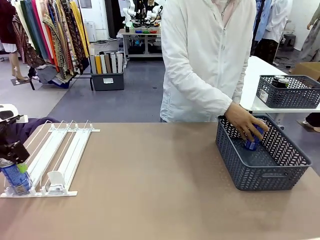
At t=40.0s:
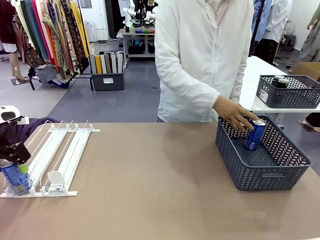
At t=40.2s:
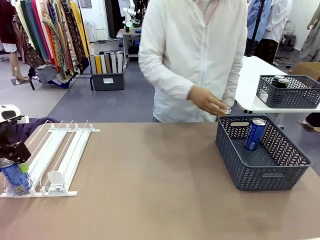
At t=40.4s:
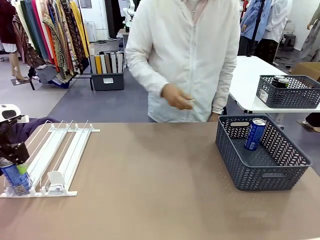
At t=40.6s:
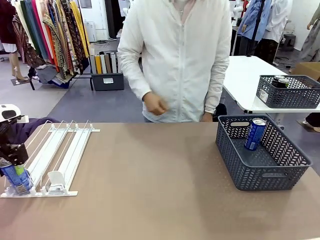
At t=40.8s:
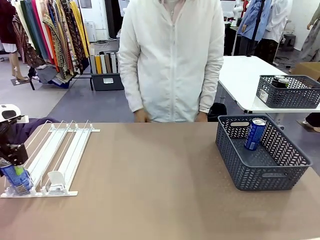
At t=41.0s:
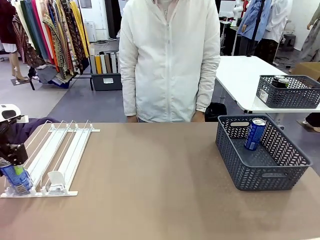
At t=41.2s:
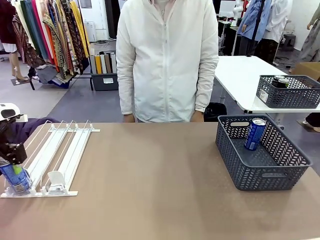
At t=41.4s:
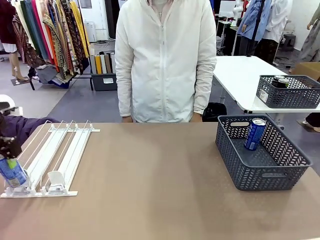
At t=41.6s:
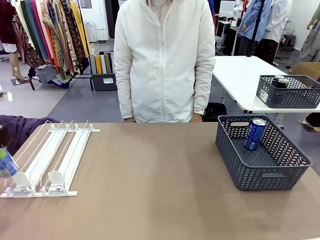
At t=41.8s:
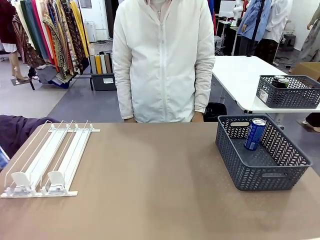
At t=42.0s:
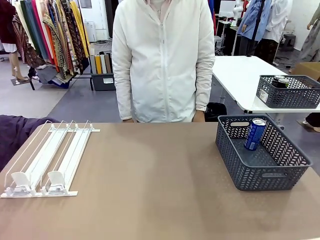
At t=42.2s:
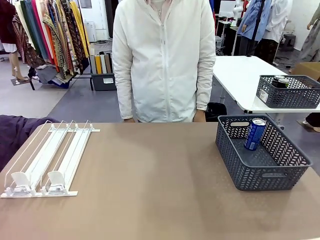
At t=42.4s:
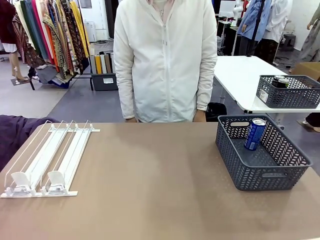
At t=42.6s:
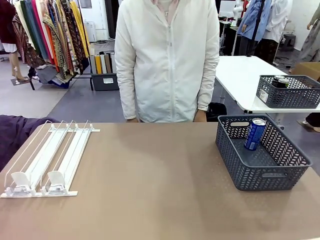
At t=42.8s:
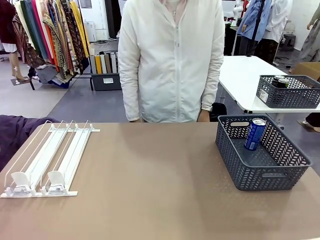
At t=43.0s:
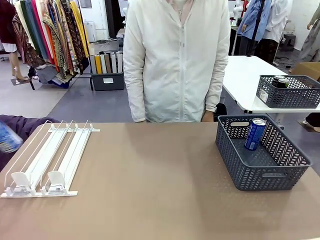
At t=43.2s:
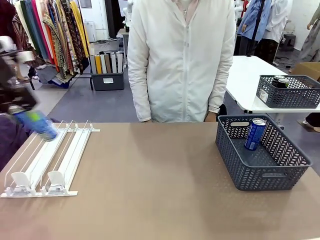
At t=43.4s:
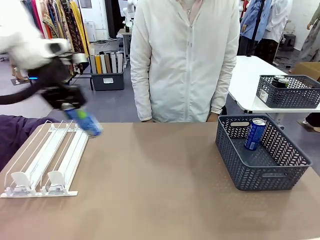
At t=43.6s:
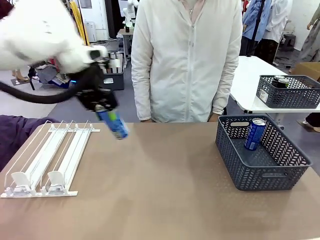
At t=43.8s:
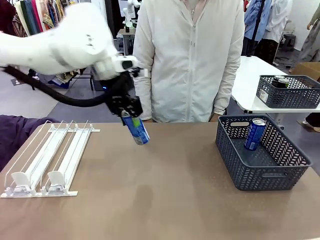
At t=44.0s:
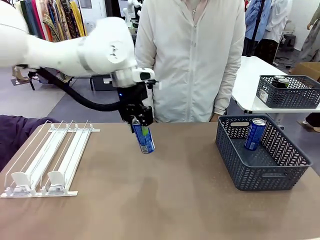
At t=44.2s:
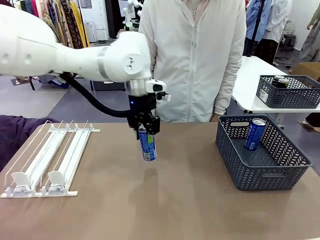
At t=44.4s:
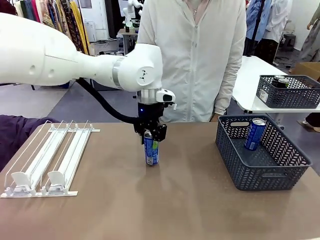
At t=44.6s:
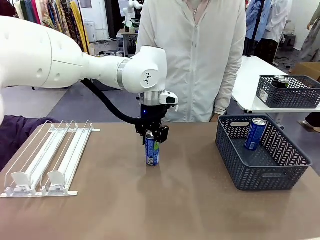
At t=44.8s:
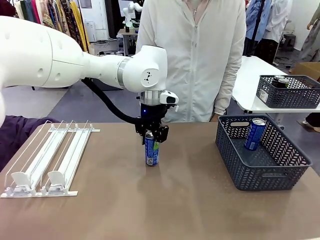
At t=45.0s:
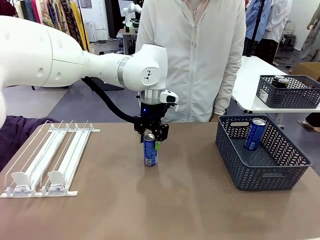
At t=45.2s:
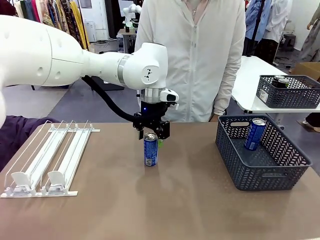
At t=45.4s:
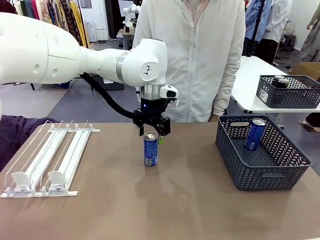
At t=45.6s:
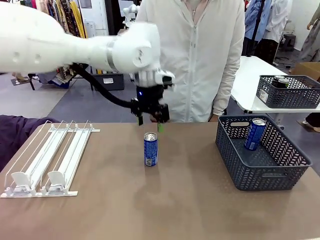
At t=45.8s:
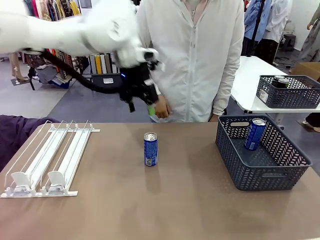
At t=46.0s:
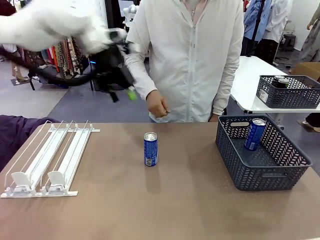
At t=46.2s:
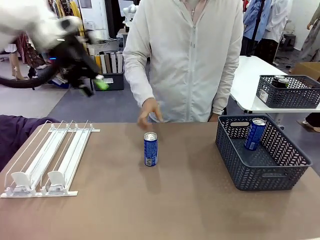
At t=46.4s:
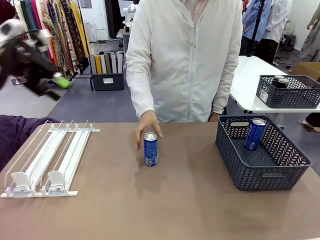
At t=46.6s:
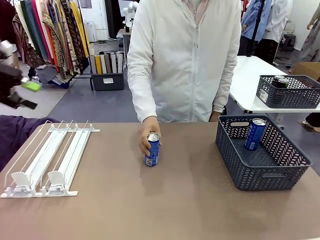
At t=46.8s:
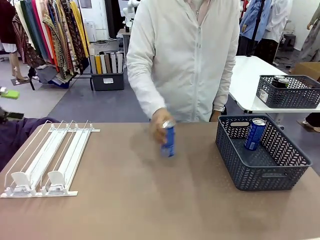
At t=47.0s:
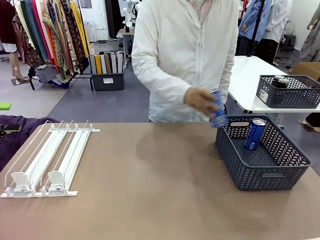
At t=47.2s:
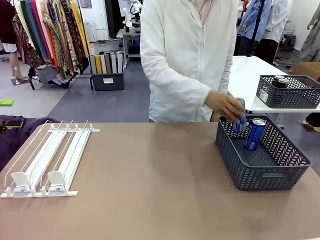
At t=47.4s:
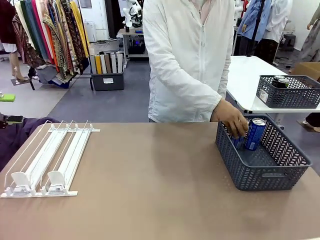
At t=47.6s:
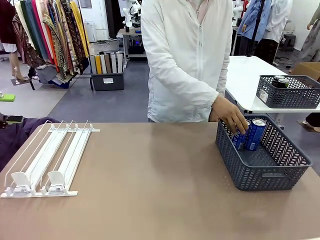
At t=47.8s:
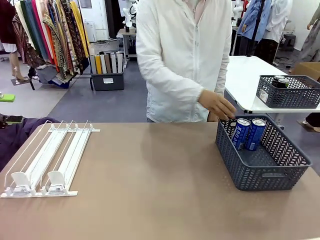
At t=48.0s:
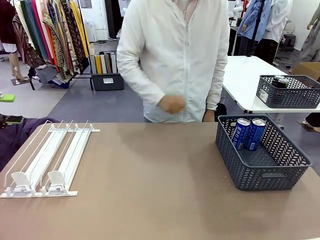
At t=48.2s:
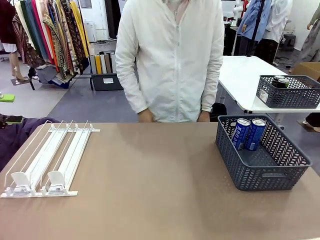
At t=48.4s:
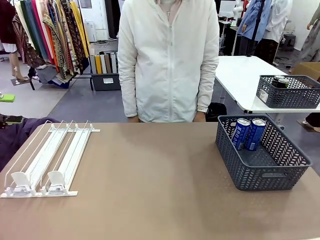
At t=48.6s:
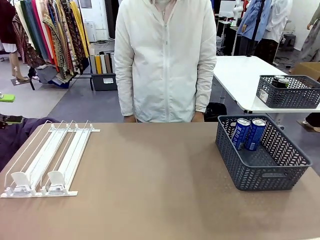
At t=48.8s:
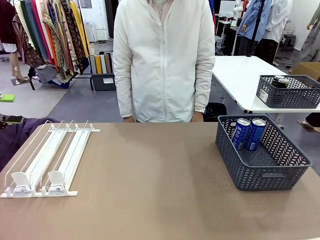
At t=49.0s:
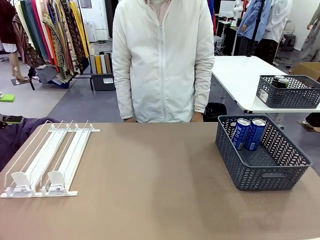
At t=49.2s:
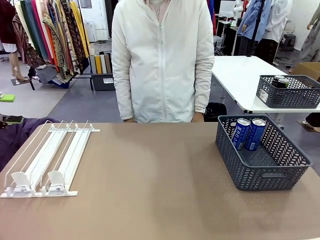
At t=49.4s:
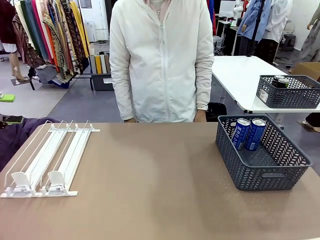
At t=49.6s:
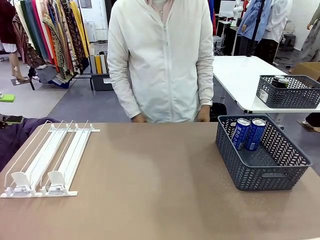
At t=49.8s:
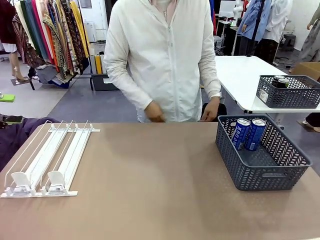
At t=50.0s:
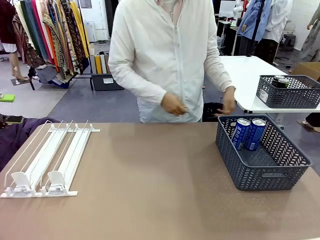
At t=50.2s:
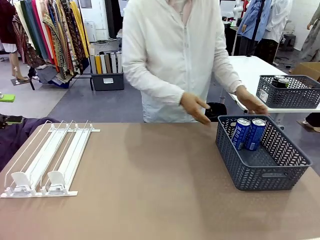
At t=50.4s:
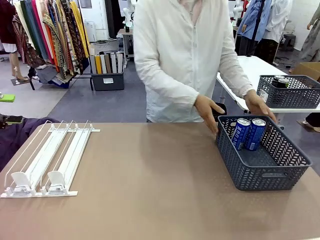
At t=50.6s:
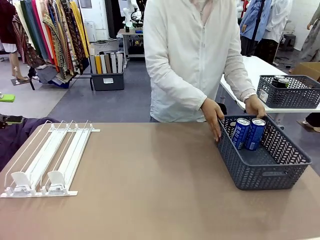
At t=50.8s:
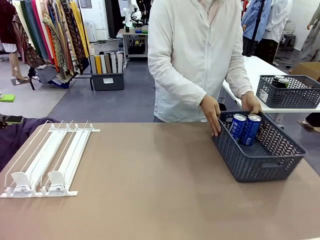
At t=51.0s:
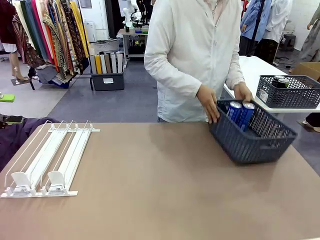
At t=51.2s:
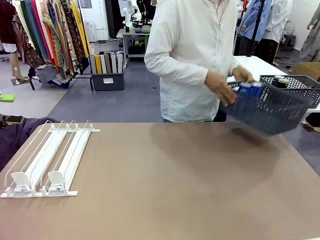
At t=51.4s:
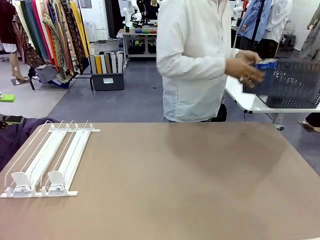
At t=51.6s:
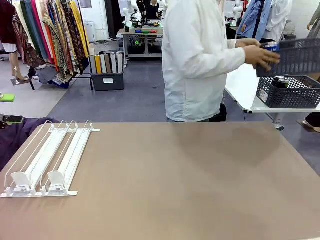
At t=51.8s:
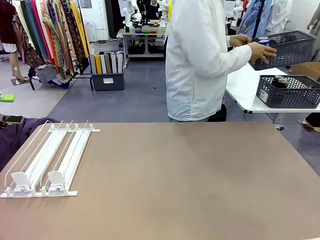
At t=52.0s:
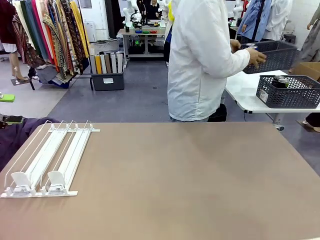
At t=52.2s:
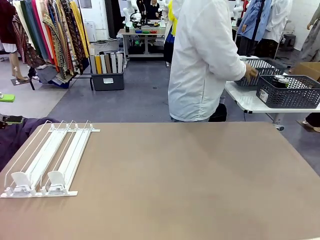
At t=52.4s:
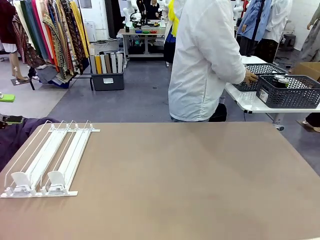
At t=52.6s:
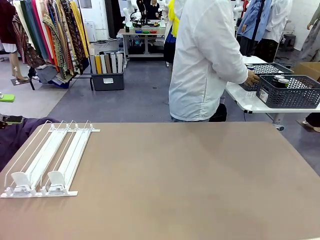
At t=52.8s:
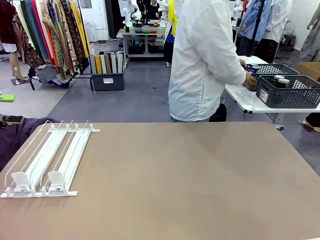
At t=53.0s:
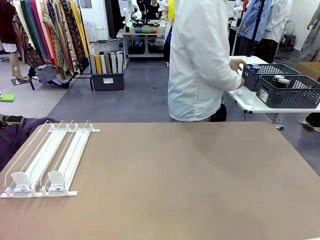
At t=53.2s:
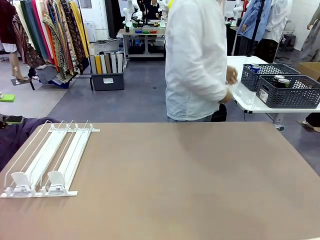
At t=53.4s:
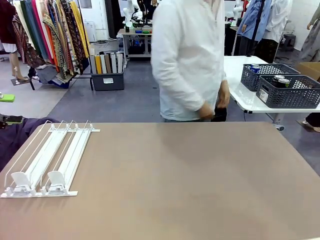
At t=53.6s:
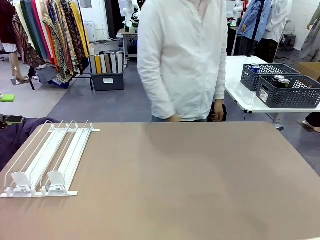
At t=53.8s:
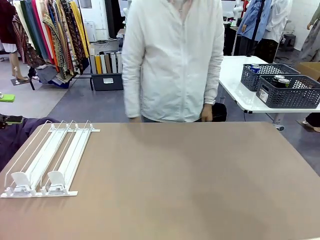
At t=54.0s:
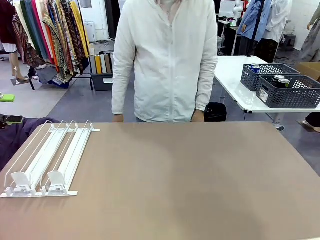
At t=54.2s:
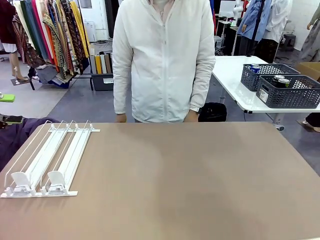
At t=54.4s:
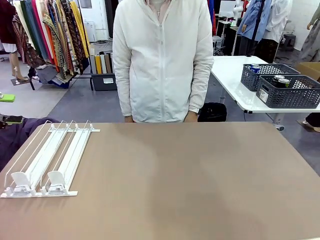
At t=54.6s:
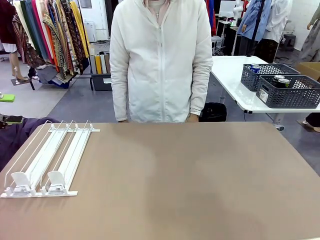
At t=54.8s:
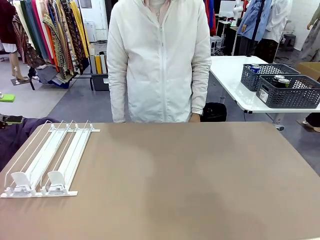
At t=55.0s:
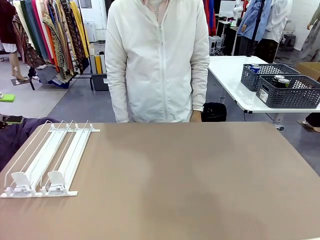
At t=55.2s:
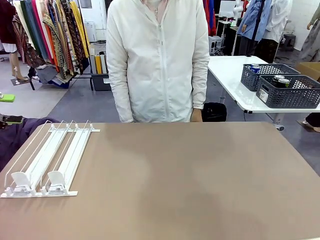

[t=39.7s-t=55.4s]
Task: Retrieve and store the cans from the dispenser.
Robot: Pick up one can from the Automatic Can Dispenser and place it in the middle of the table.
Person: Pick up one sports drink can from the middle of the robot table and place it in the basket. Pick up the basket and place it in the middle of the human table.
